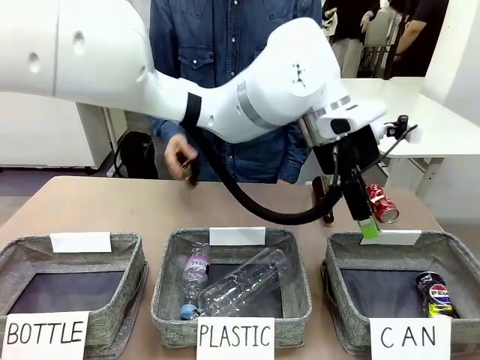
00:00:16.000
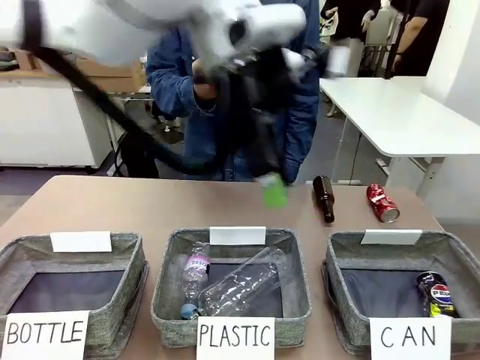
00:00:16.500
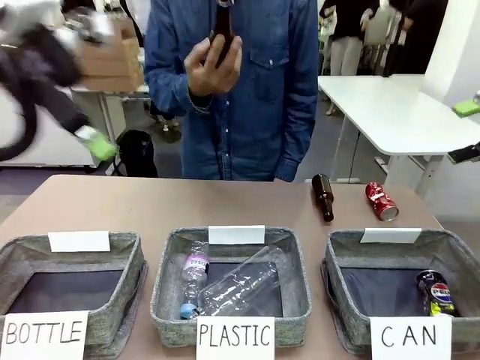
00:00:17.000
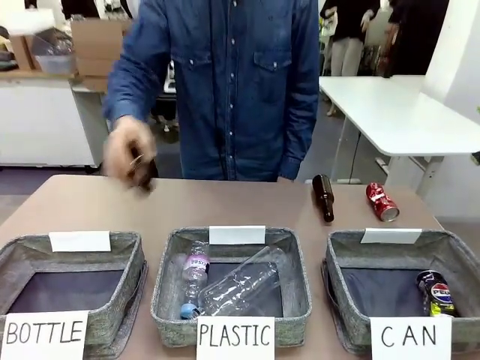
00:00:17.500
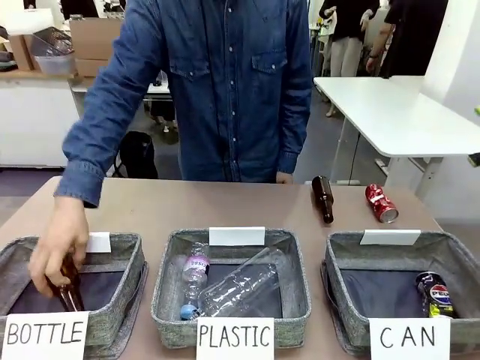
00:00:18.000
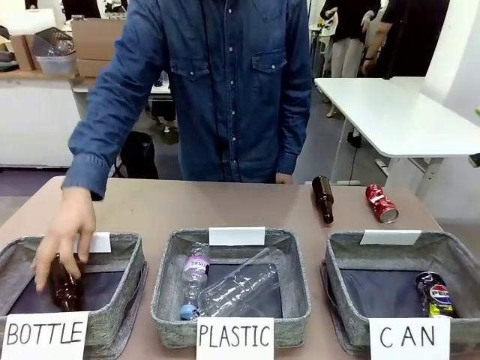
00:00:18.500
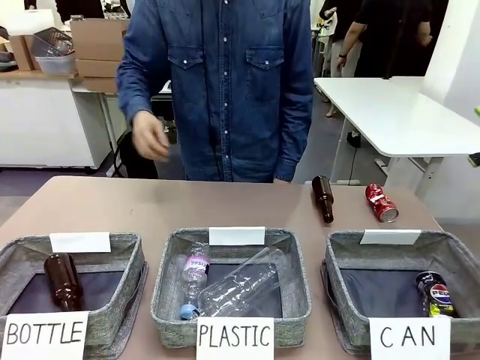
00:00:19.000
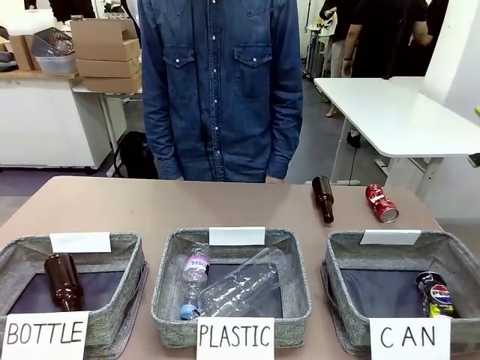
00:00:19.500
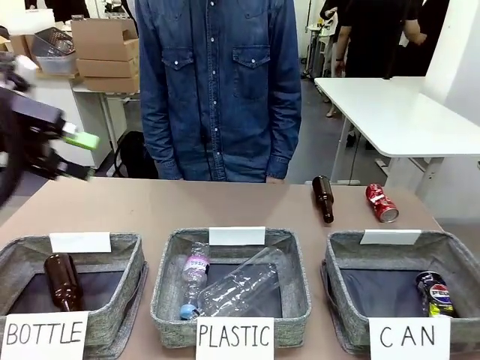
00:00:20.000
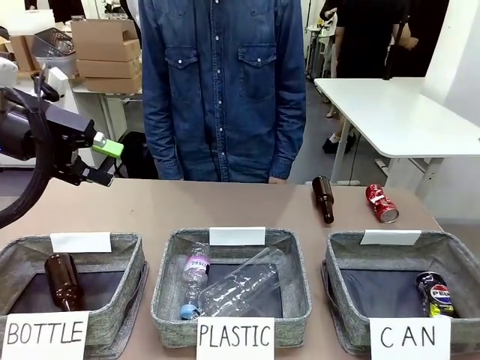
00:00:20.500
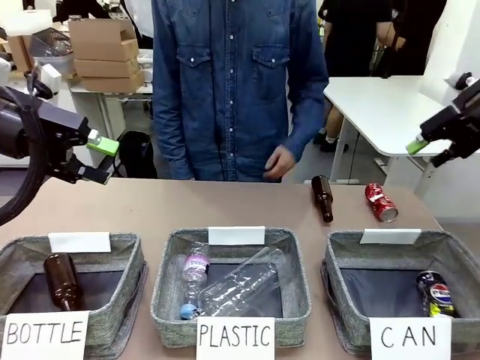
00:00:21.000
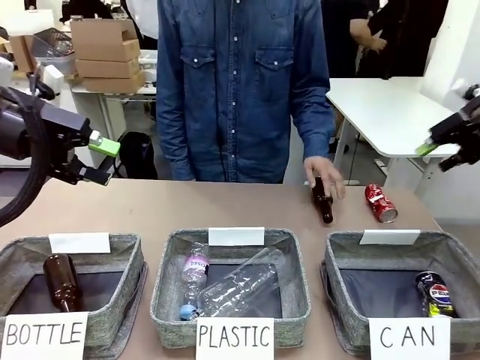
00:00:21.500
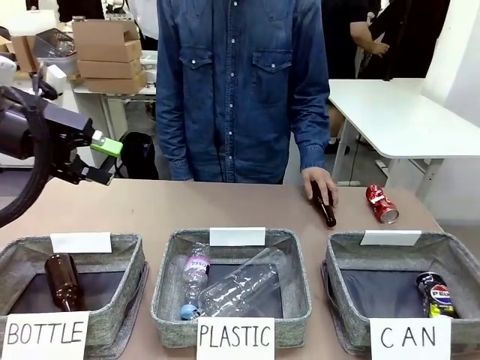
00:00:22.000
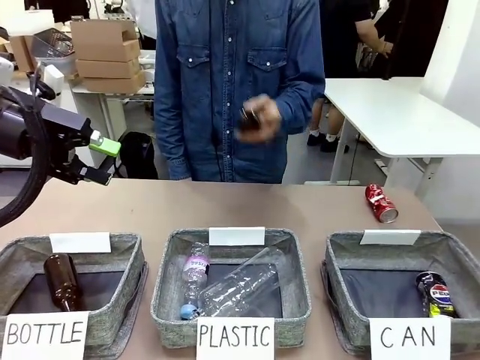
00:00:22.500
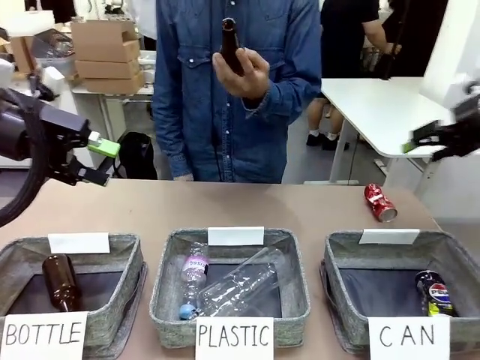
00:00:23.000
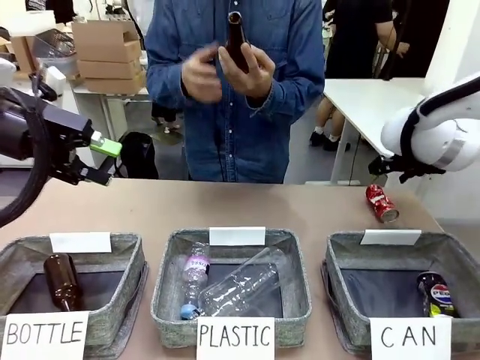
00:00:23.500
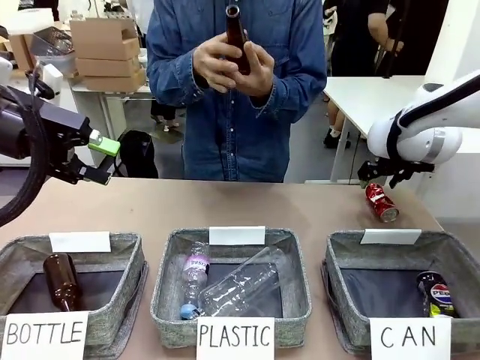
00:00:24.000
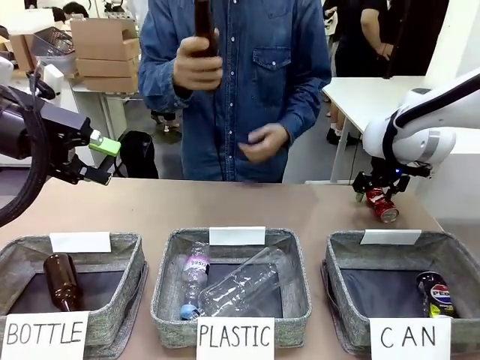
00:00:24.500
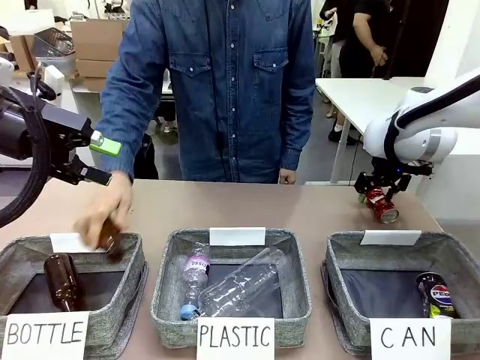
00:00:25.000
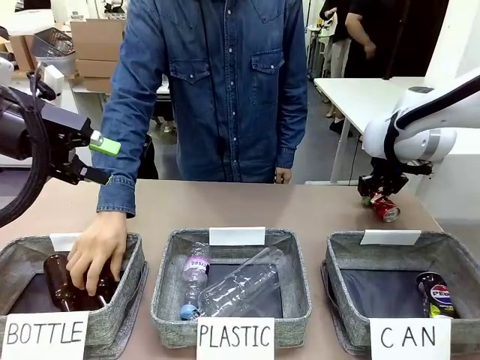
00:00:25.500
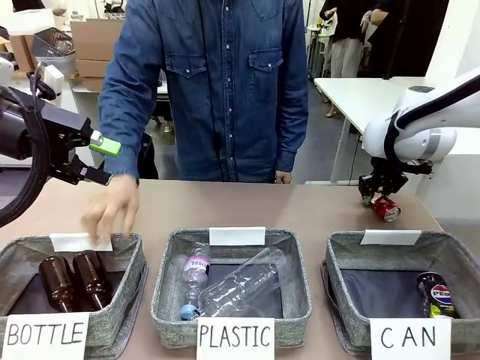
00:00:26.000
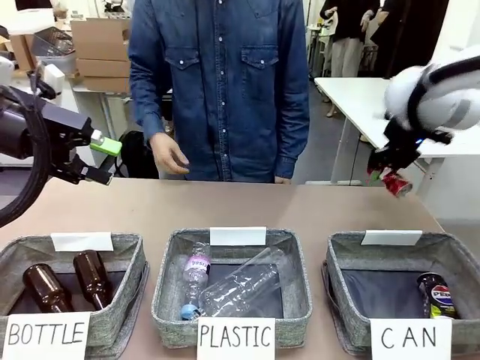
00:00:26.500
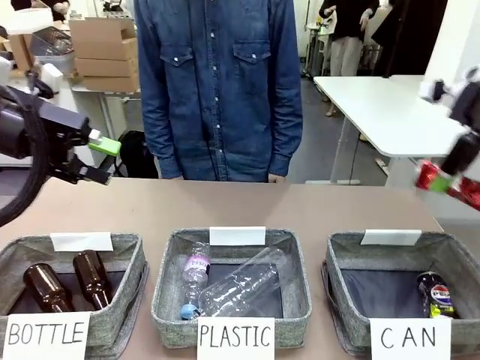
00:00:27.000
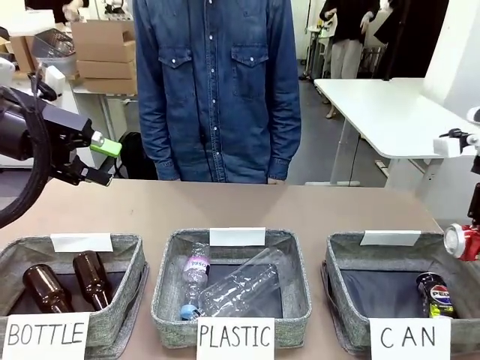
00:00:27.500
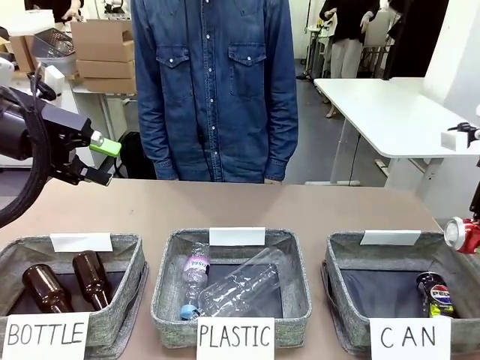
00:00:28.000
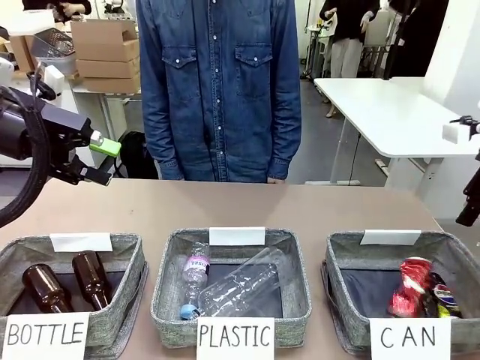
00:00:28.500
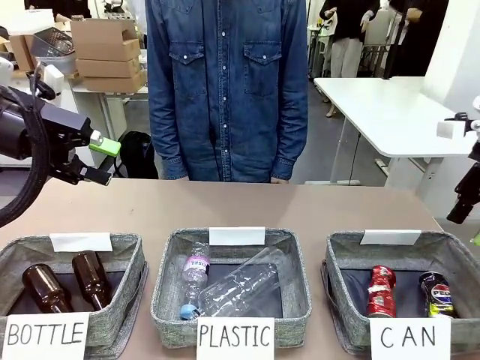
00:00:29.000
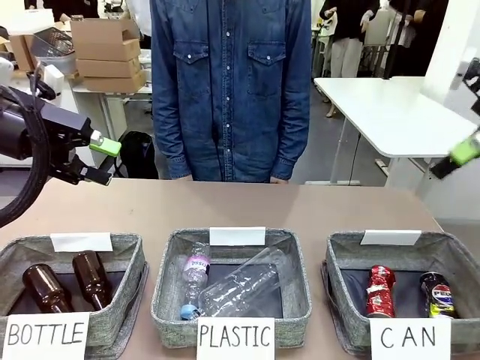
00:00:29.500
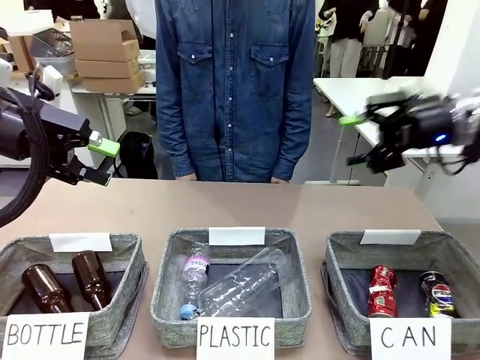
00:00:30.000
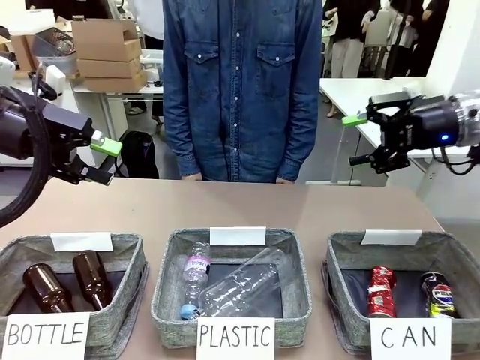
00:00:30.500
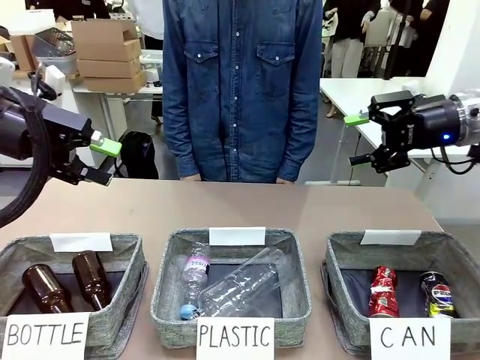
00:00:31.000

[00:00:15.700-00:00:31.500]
Task: Sort the can waste into the basket.
Robot: Pick up the can waste from the table and place it in the right Fabric basket.
Person: The human picks up one piece of trash that is not a can and places the trash into the appropriate organizing basket.

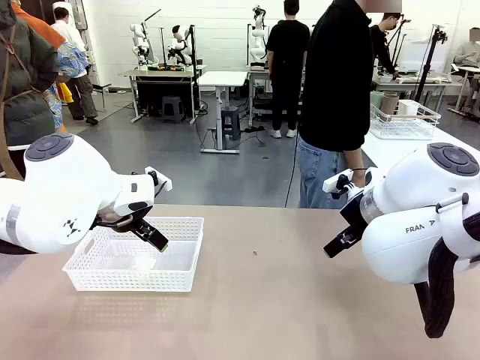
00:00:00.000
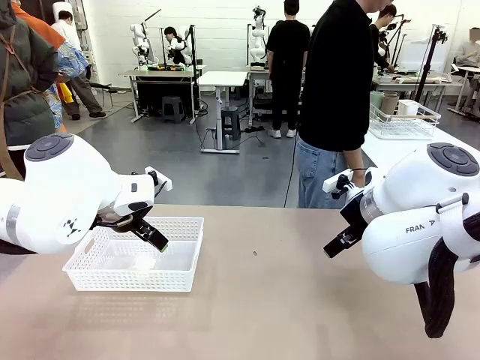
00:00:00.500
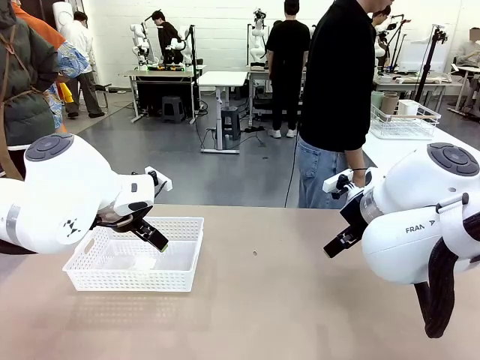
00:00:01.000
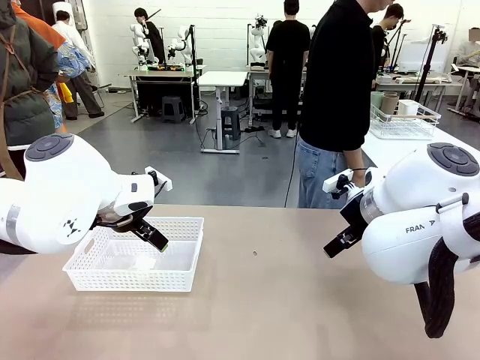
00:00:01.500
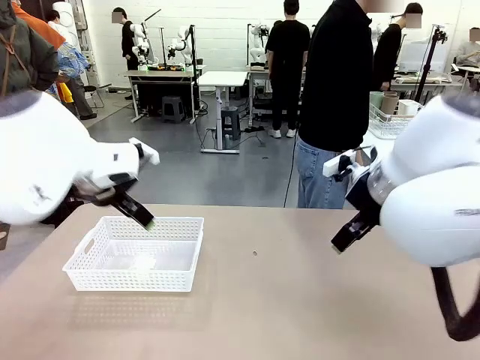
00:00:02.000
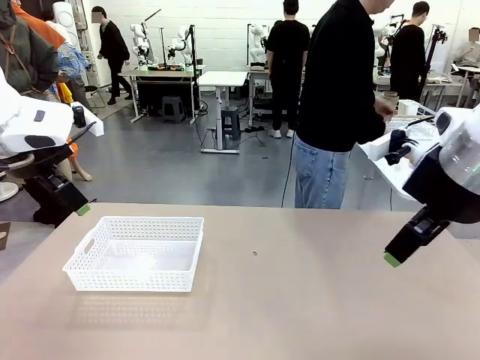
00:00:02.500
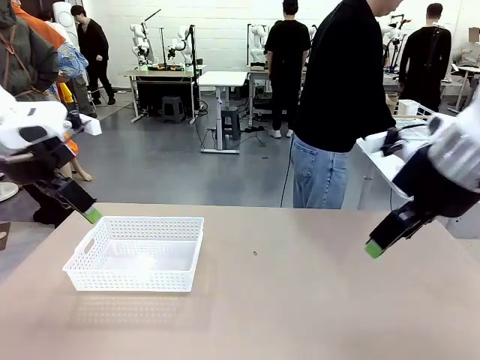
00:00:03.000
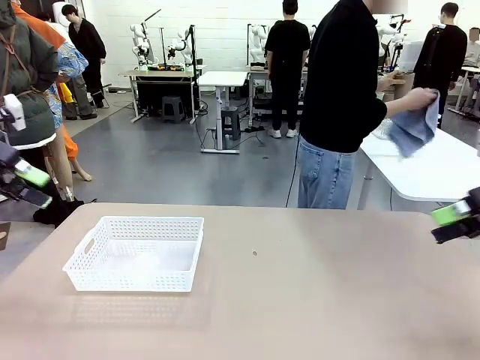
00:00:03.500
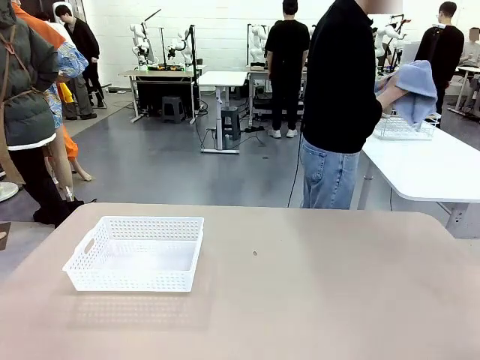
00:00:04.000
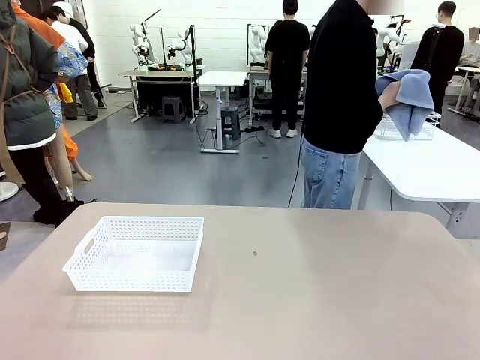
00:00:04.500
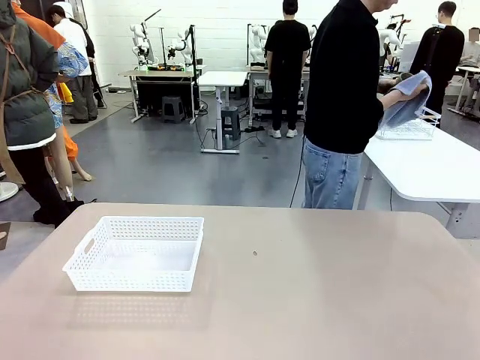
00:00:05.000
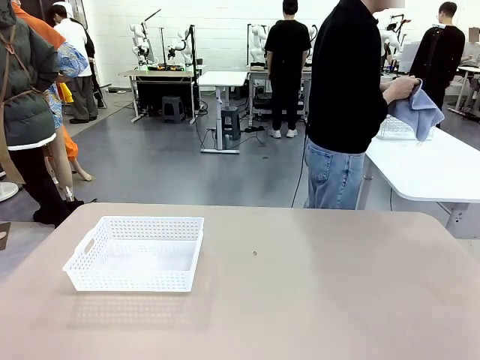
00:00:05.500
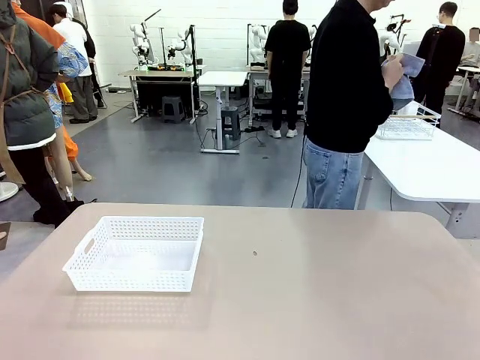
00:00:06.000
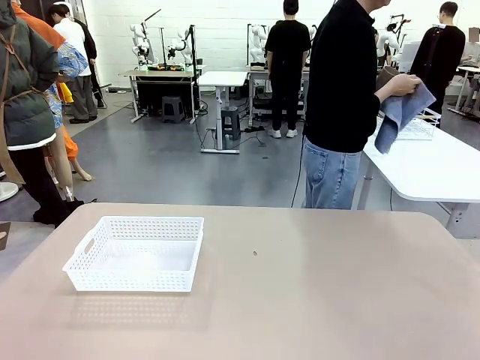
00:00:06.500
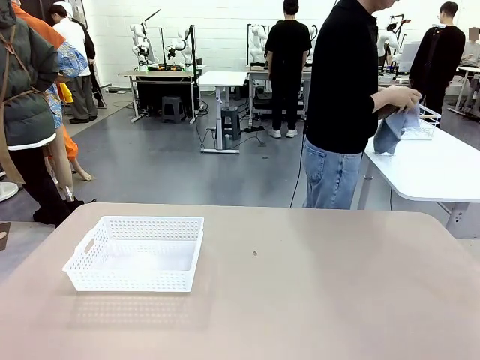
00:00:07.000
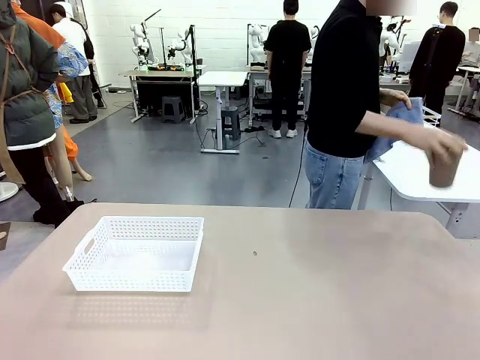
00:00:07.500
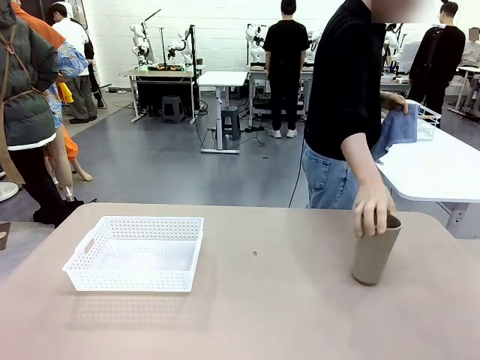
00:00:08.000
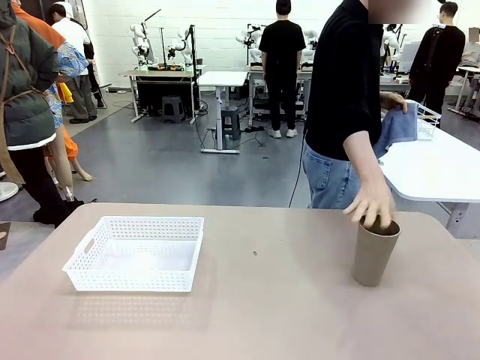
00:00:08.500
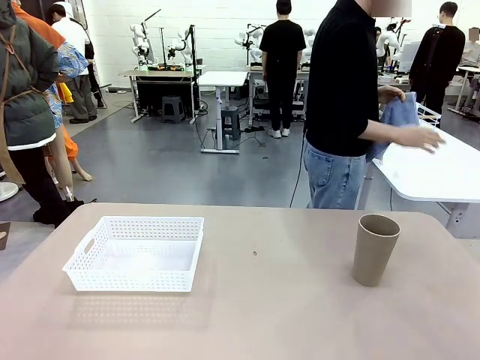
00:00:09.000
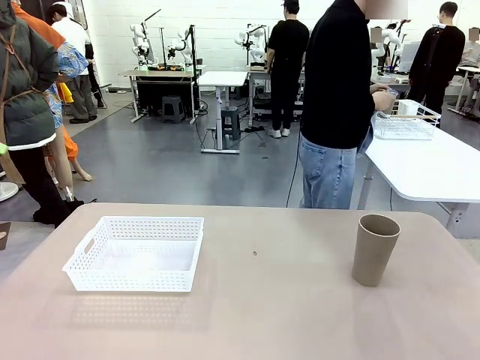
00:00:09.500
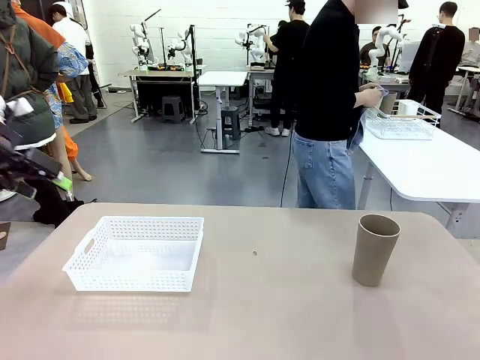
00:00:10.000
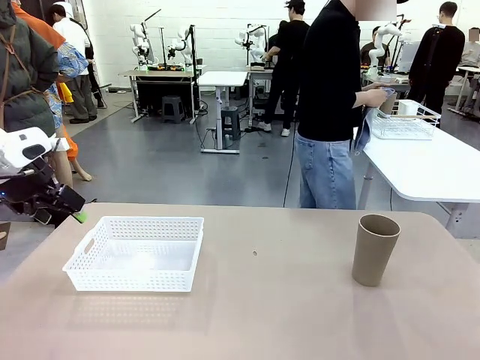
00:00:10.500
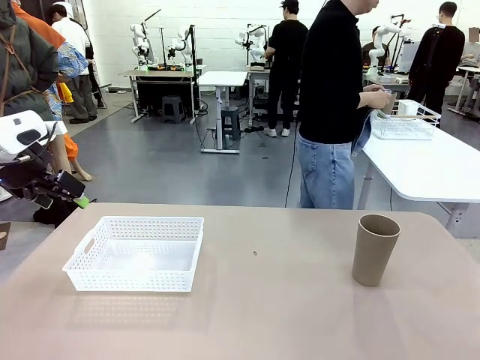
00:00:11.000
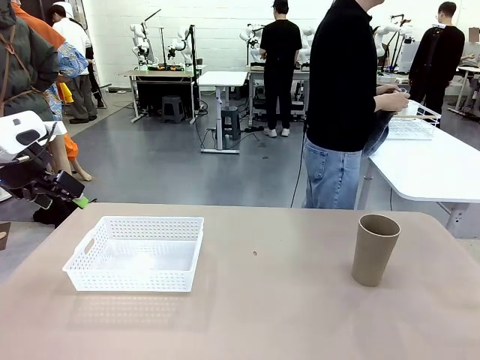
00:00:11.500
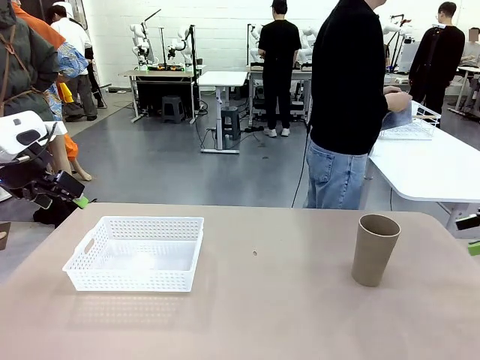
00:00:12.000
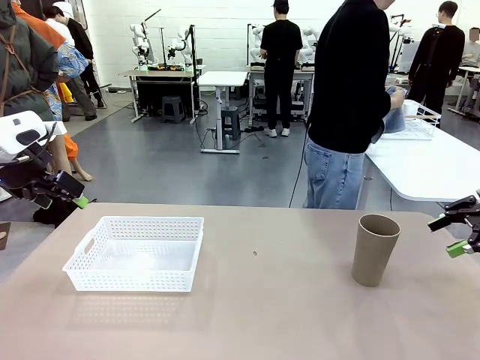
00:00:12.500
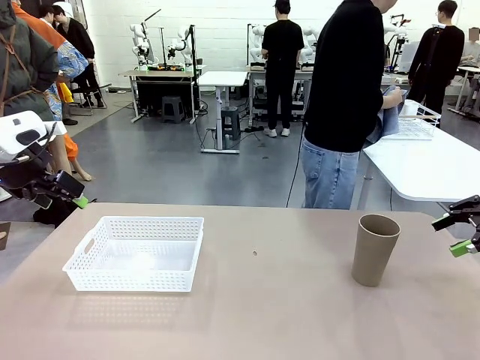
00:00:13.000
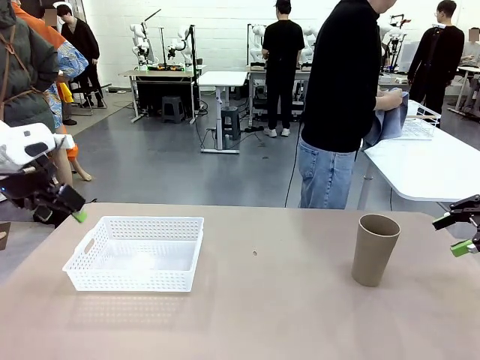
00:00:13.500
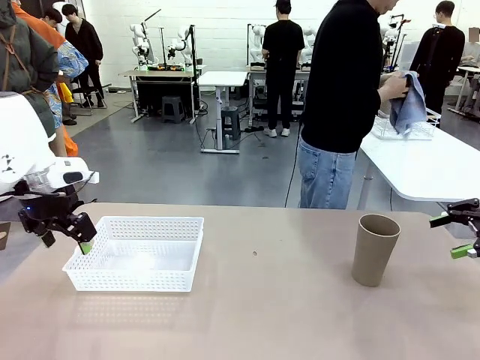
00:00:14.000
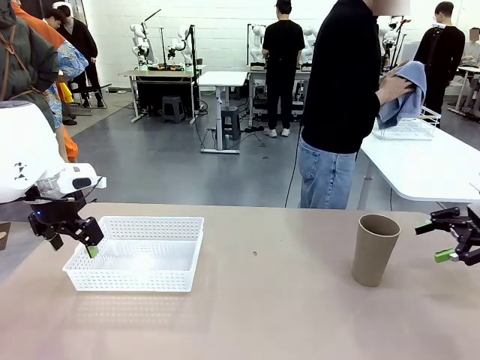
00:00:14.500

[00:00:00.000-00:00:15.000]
Task: Clean and organize the cups into the basket.
Robot: Pick up the Organizing basket and move it to the center of the table, then pick up the Reusable plastic cup from the right side of the table and place it inside the Organizing basket.
Person: Picks up a cup and a towel, cleans the cup with the towel, and places it on the left side of the robot table.
